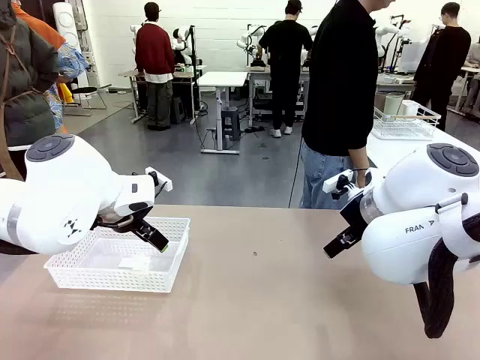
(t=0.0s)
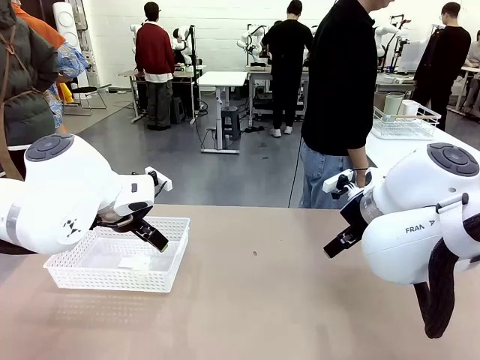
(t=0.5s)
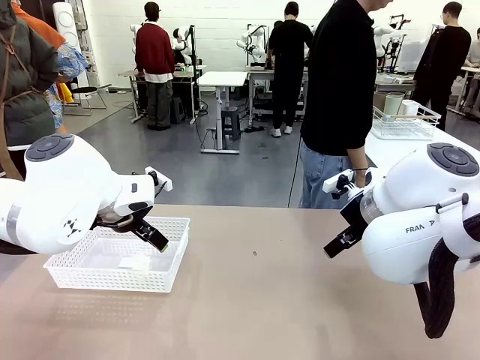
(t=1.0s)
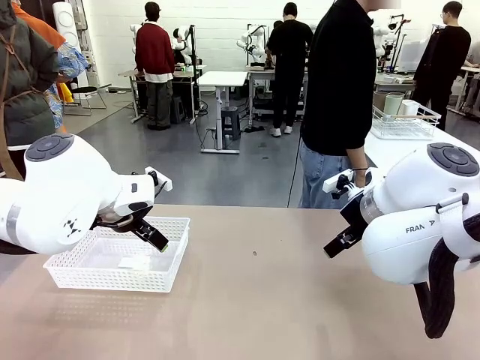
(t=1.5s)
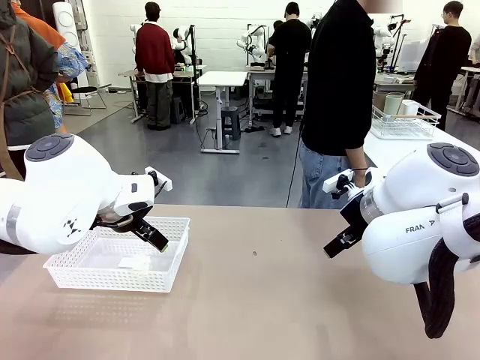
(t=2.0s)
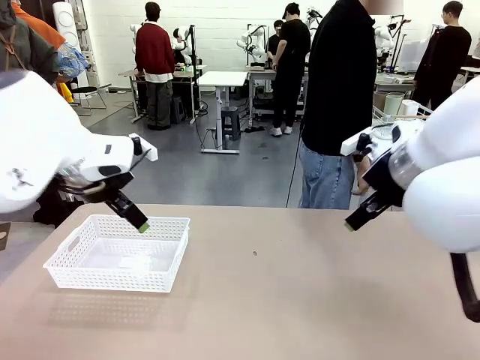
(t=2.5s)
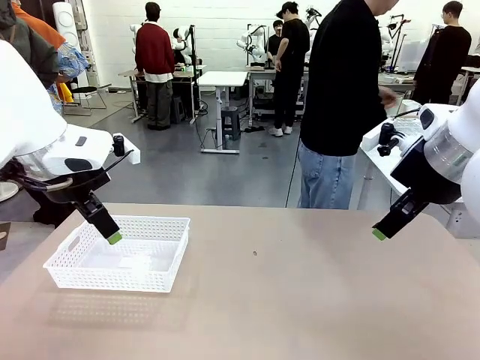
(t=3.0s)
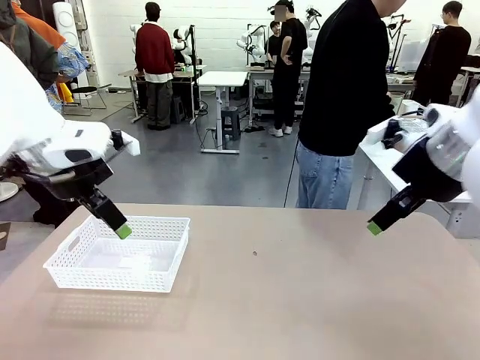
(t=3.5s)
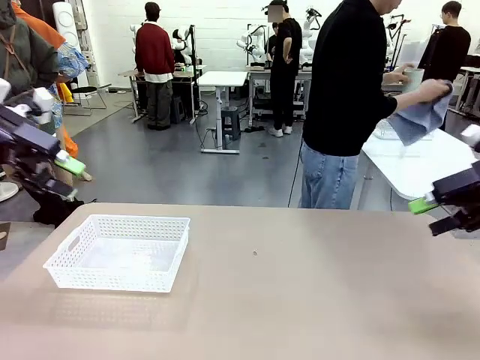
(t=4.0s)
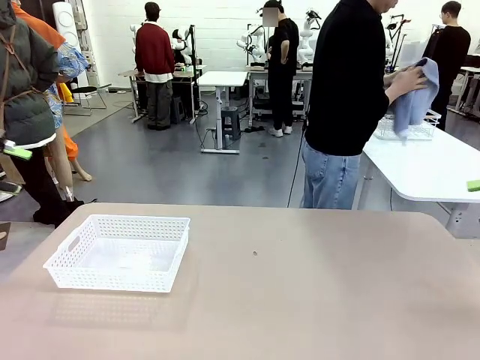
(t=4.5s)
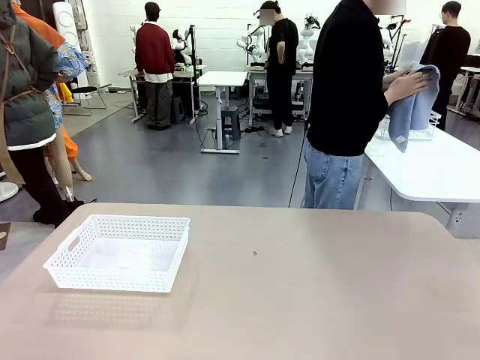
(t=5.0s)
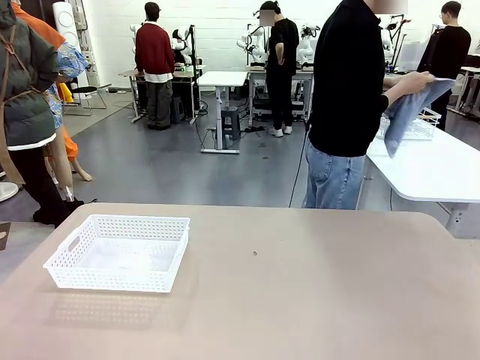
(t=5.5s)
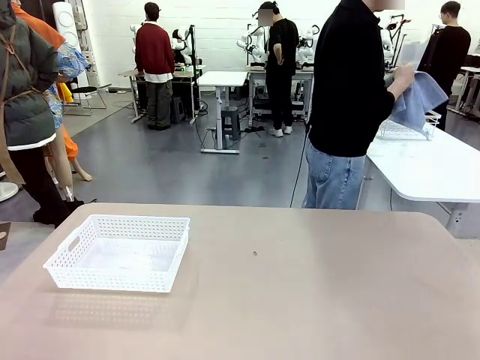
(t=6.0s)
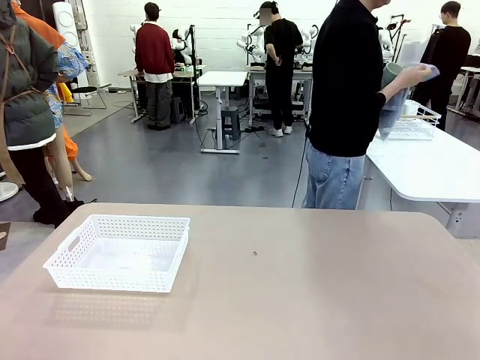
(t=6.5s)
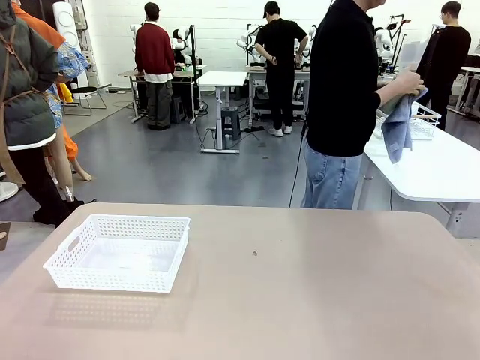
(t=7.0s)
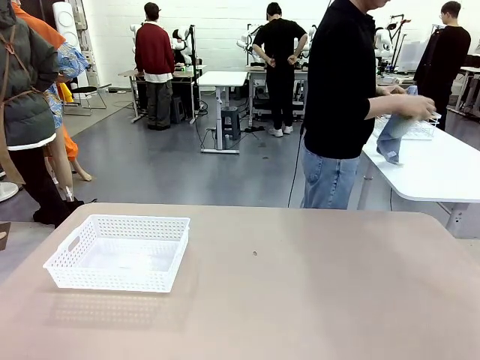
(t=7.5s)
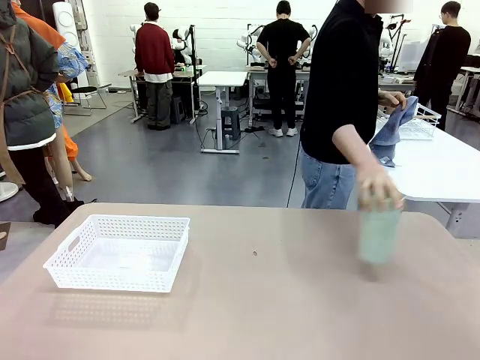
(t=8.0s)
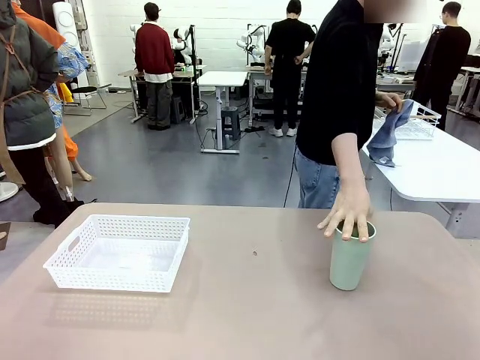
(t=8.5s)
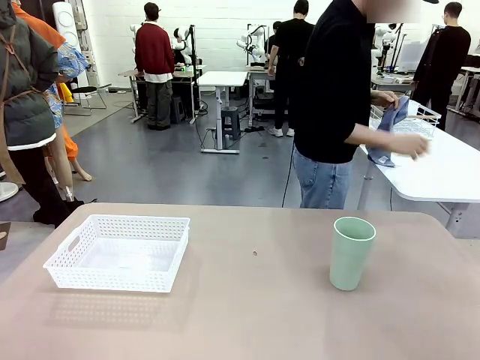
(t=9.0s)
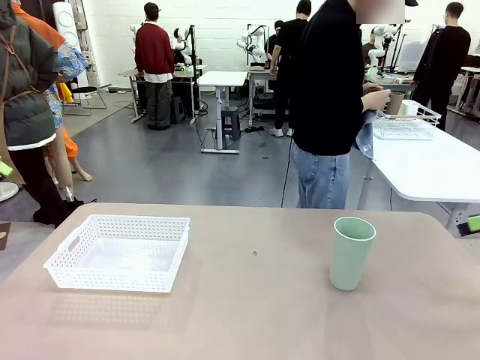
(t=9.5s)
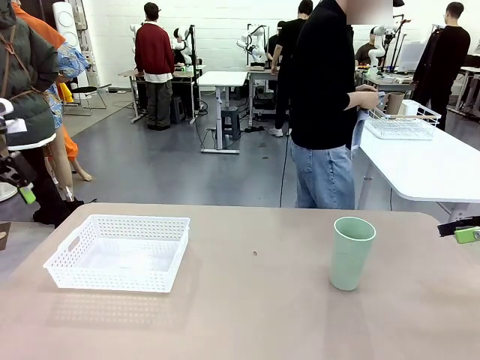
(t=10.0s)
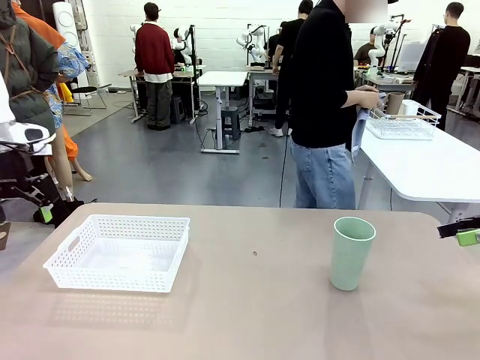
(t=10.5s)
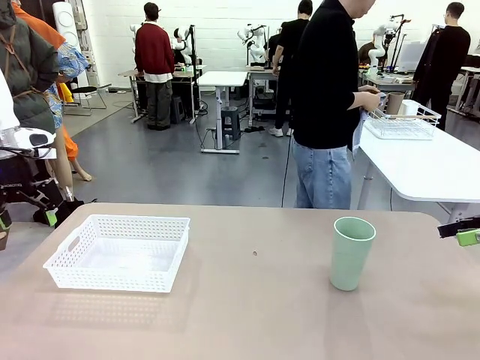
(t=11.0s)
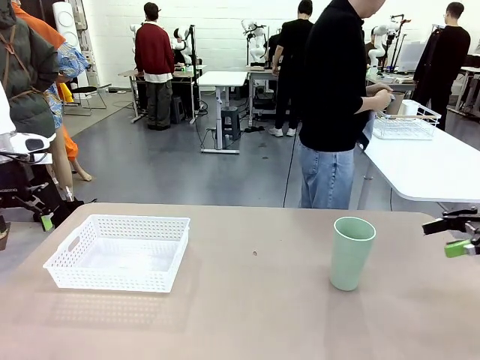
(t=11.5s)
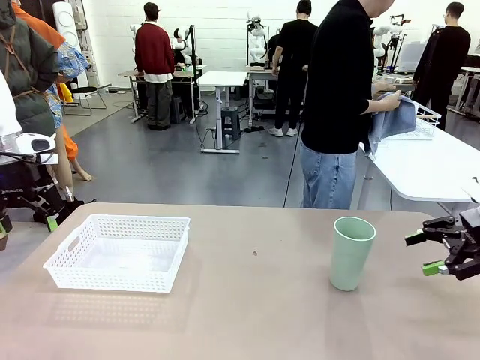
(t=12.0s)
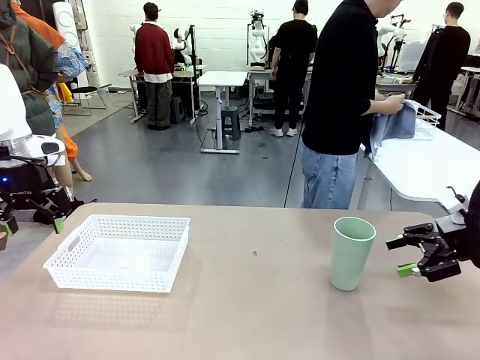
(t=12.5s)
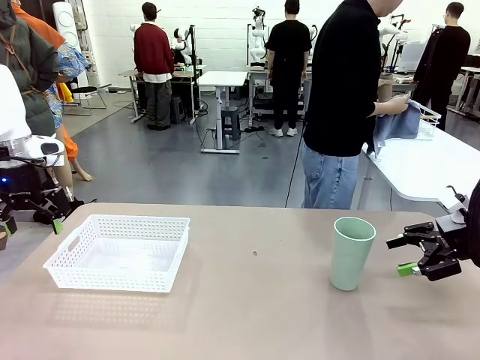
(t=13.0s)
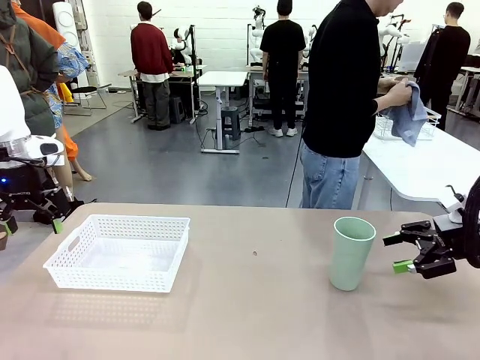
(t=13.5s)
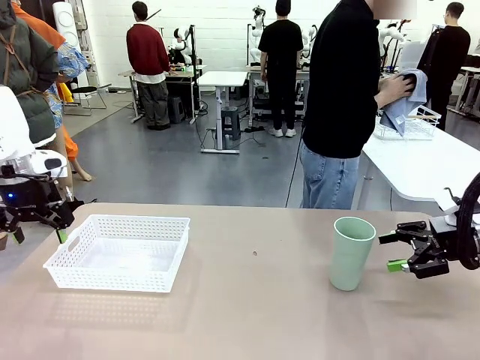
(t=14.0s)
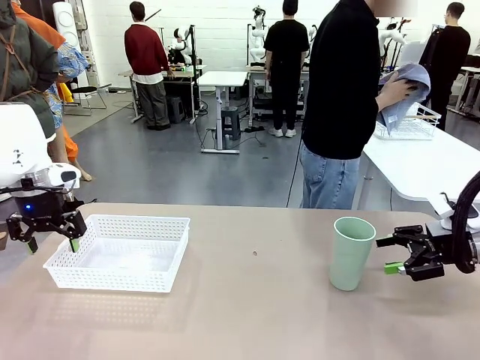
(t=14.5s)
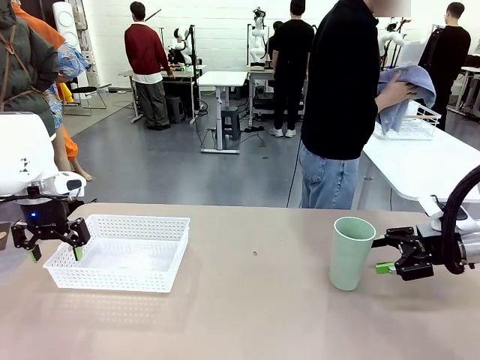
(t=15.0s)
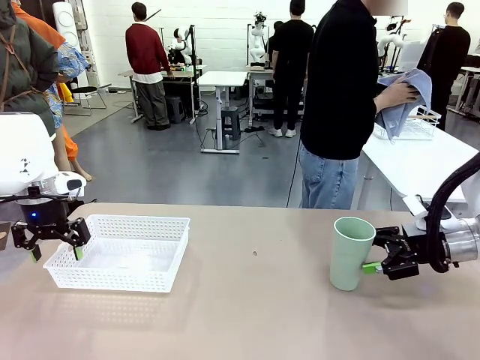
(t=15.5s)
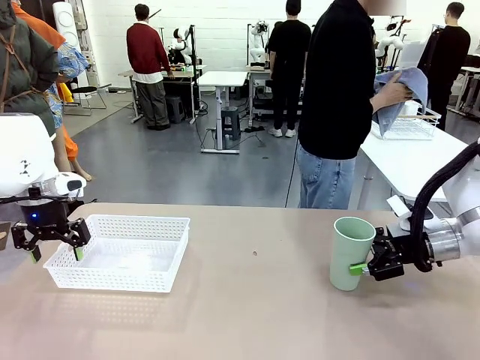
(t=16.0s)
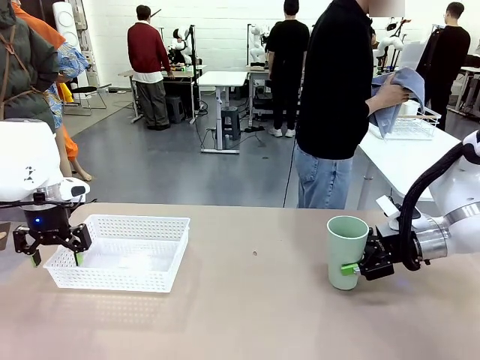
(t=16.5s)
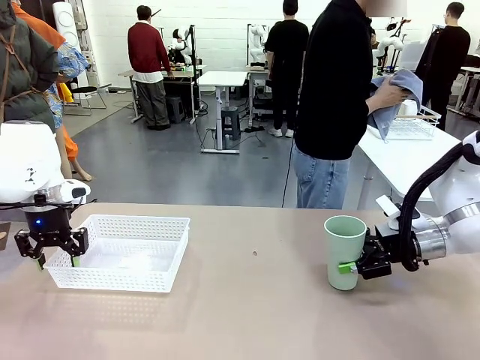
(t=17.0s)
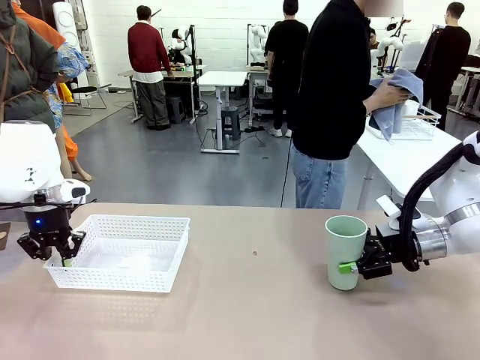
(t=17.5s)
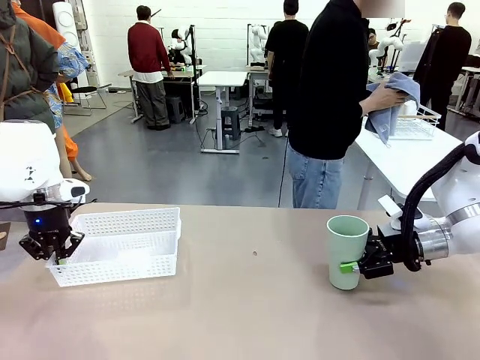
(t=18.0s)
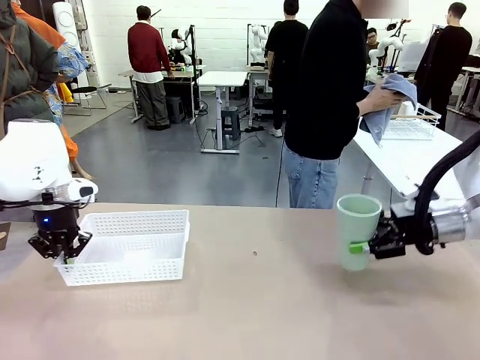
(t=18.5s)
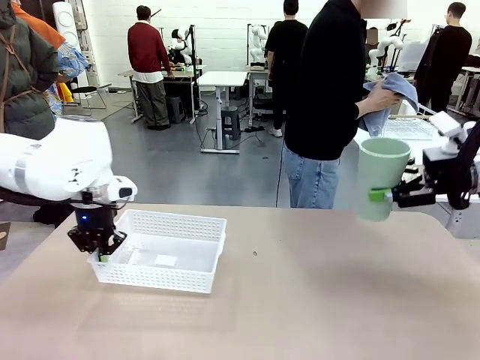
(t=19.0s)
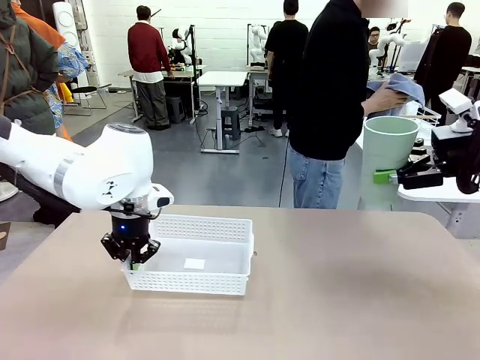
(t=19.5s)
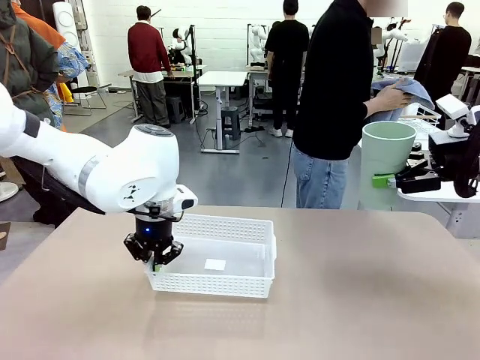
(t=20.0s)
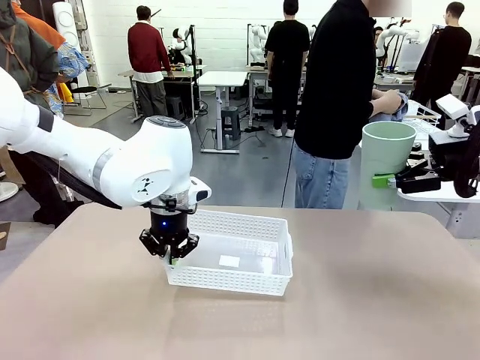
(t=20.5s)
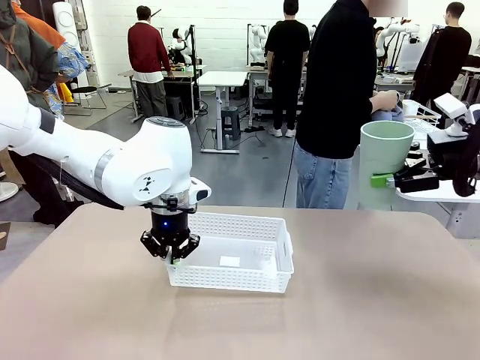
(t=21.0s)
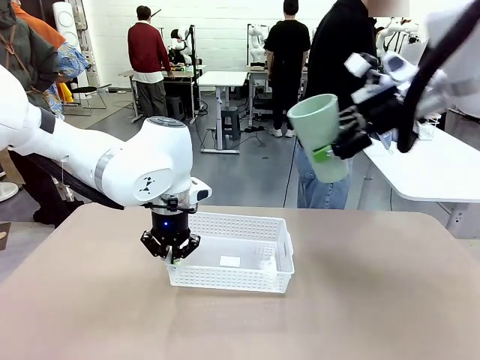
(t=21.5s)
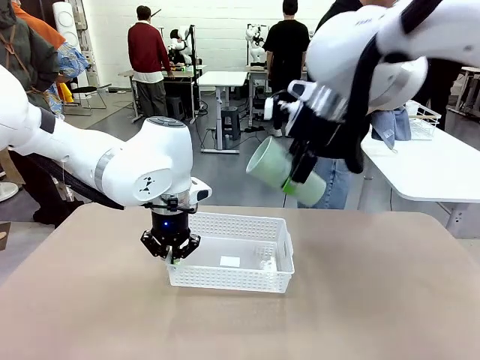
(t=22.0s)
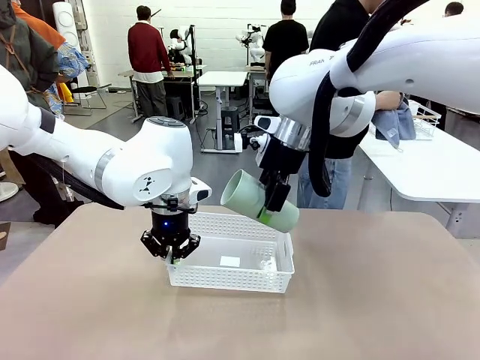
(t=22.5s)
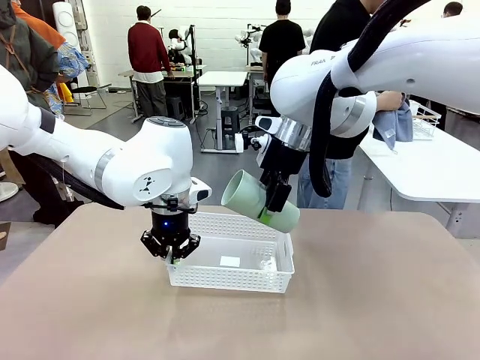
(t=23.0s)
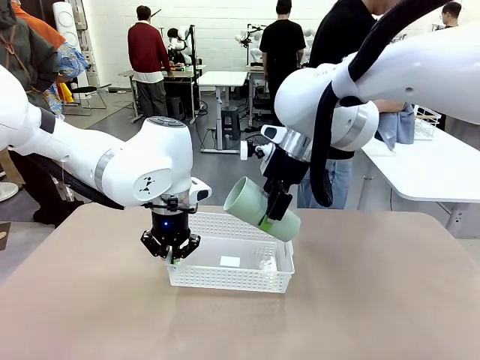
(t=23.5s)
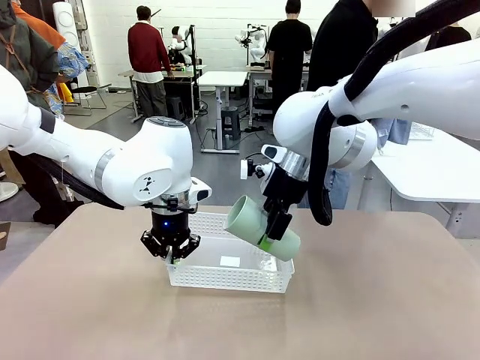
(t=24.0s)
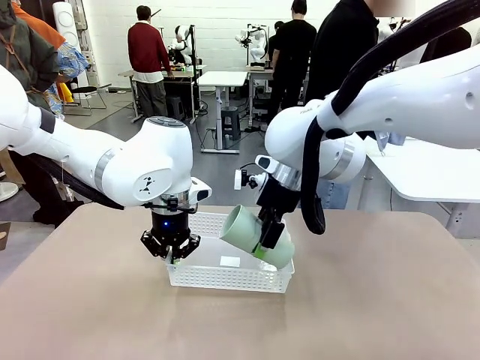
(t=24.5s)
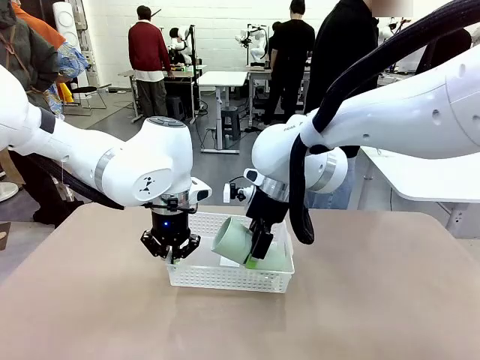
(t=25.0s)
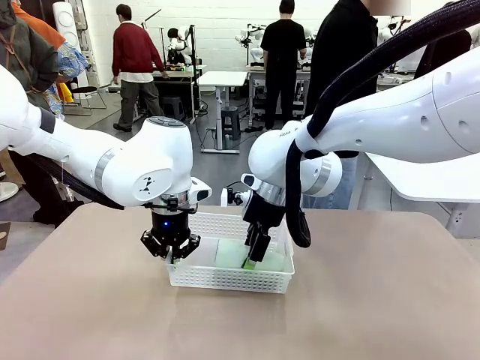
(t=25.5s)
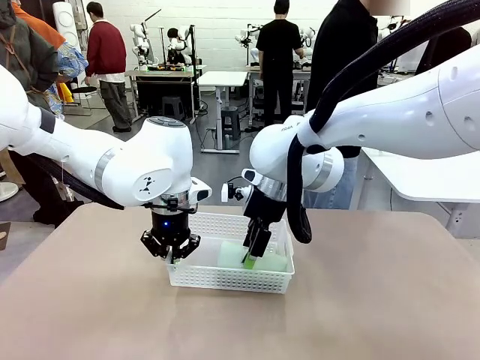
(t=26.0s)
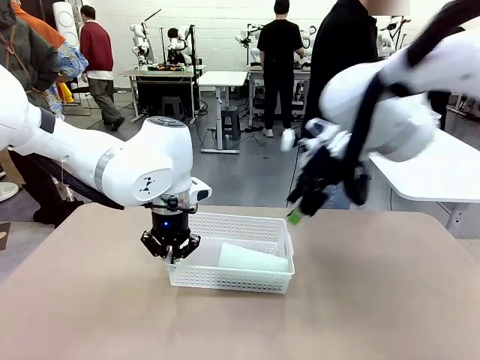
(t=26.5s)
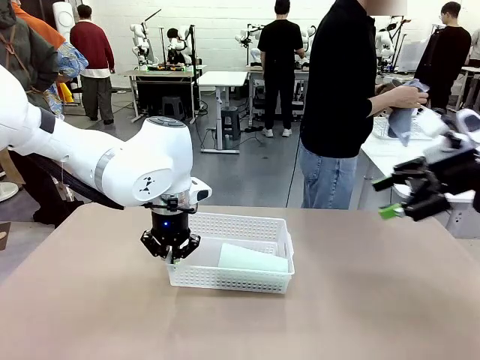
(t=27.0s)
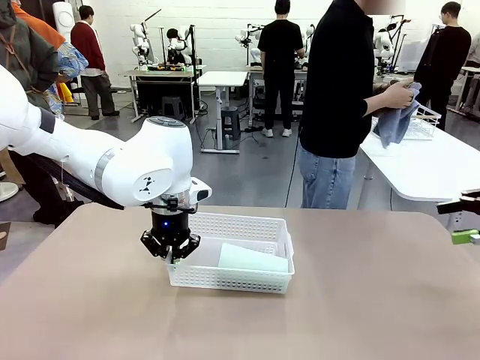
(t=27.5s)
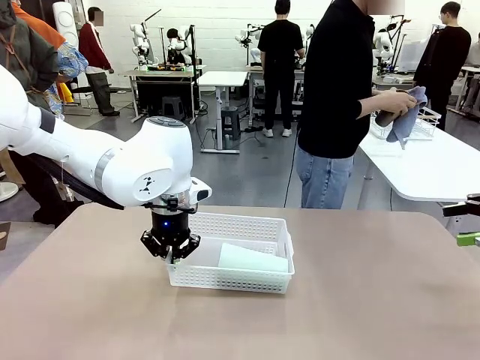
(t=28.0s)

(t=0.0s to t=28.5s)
Task: Clean and organize the cups into the basket.
Robot: Pick up the Organizing basket and move it to the center of the table, then pick up the Reusable plastic cup from the right side of the table and place it inside the Organizing basket.
Person: Picks up a cup and a towel, cleans the cup with the towel, and places it on the left side of the robot table. Picks up a cup from the drying rack, cleans the cup with the towel, and places it on the left side of the robot table.
